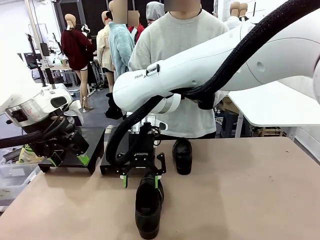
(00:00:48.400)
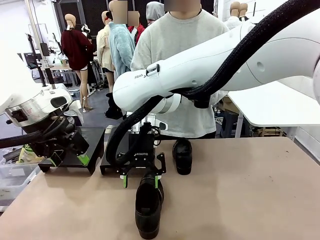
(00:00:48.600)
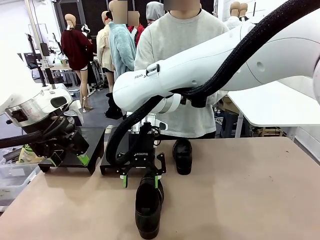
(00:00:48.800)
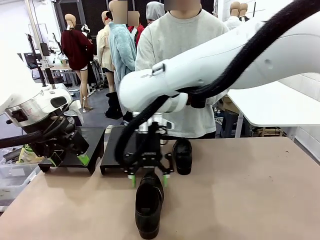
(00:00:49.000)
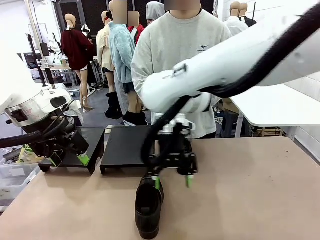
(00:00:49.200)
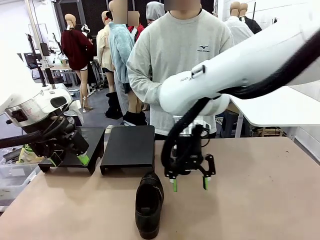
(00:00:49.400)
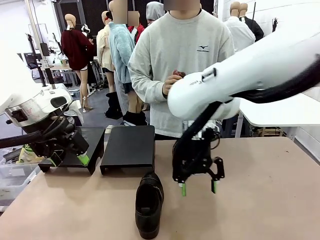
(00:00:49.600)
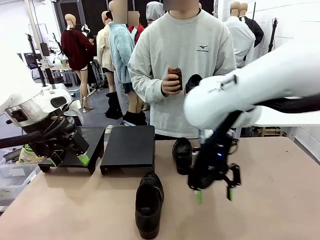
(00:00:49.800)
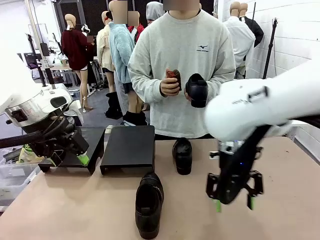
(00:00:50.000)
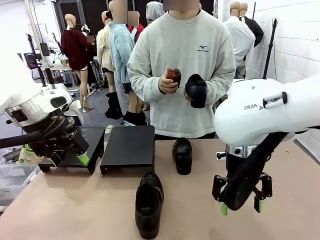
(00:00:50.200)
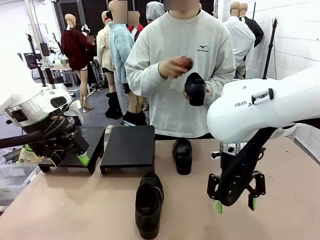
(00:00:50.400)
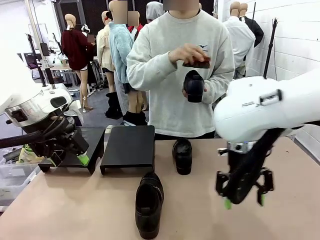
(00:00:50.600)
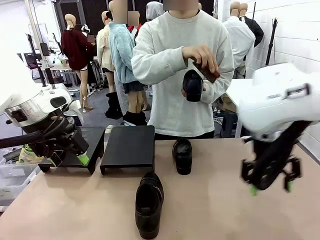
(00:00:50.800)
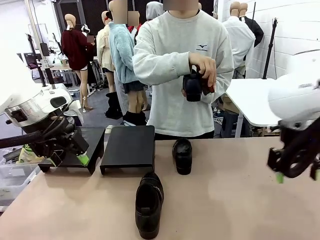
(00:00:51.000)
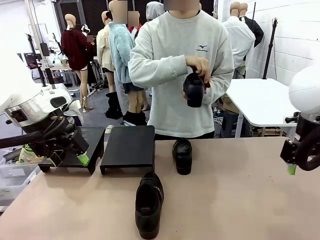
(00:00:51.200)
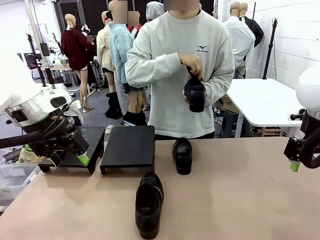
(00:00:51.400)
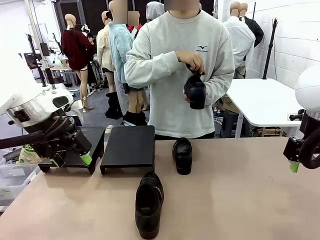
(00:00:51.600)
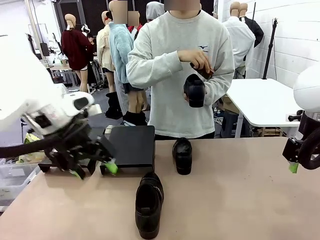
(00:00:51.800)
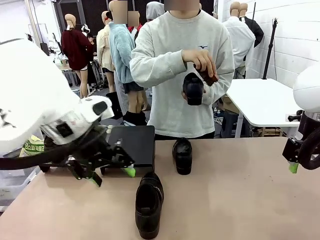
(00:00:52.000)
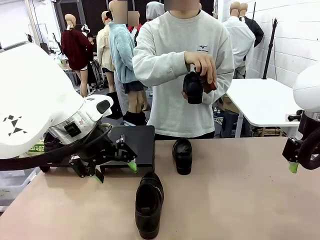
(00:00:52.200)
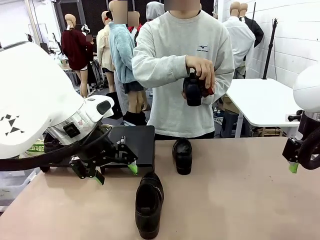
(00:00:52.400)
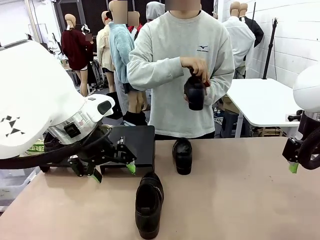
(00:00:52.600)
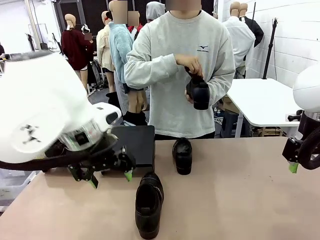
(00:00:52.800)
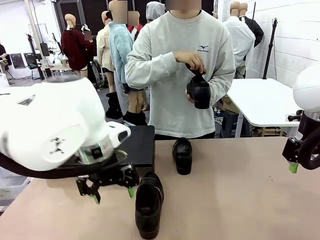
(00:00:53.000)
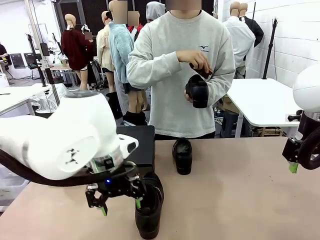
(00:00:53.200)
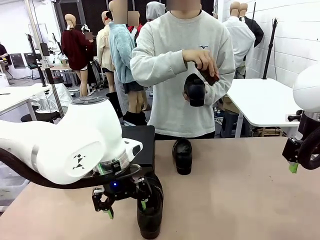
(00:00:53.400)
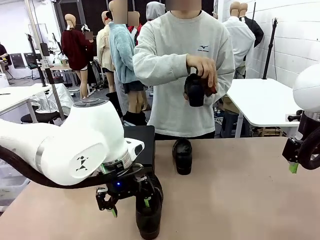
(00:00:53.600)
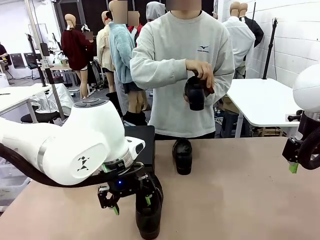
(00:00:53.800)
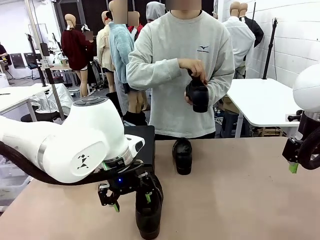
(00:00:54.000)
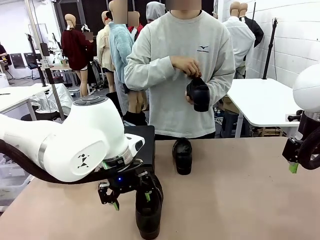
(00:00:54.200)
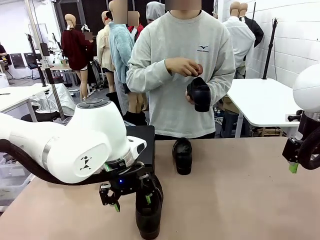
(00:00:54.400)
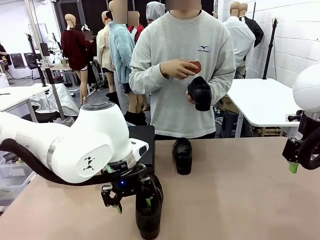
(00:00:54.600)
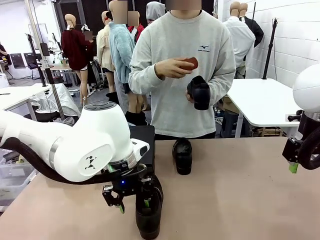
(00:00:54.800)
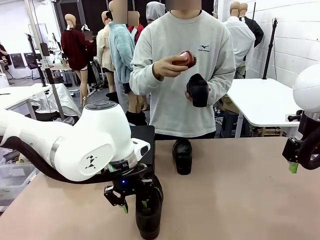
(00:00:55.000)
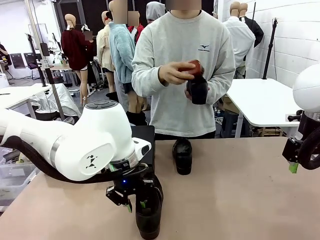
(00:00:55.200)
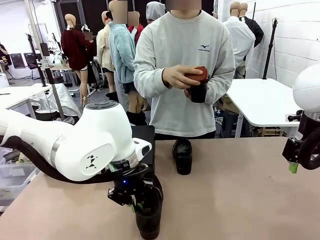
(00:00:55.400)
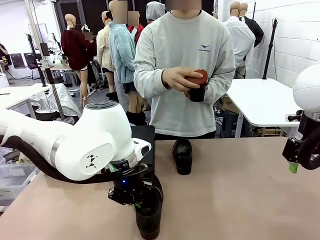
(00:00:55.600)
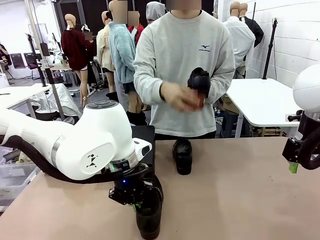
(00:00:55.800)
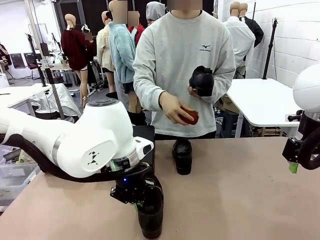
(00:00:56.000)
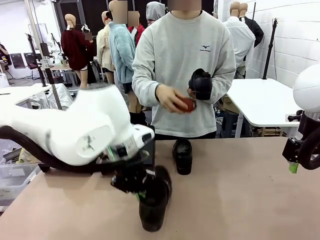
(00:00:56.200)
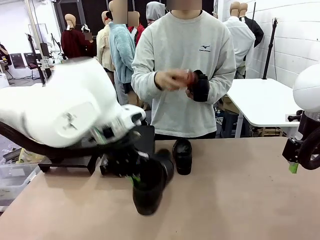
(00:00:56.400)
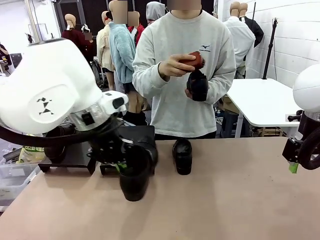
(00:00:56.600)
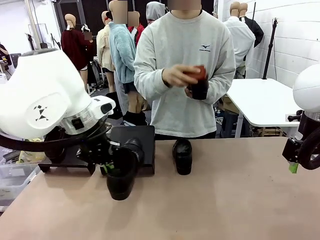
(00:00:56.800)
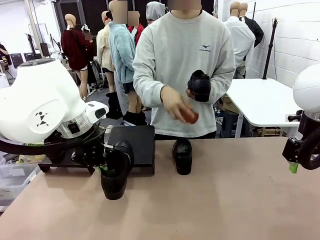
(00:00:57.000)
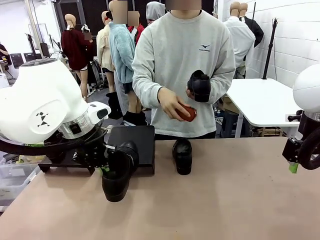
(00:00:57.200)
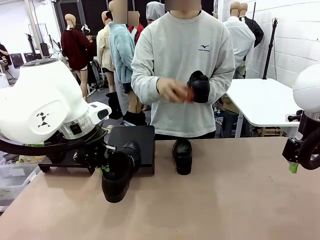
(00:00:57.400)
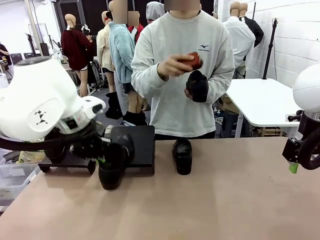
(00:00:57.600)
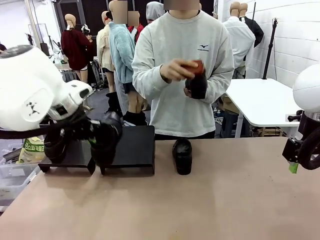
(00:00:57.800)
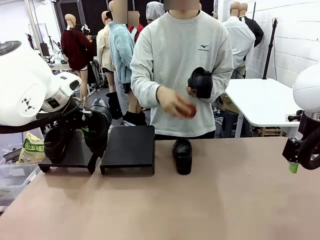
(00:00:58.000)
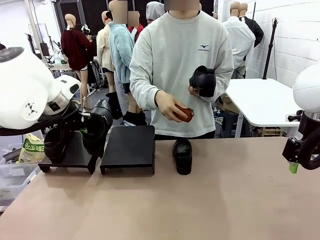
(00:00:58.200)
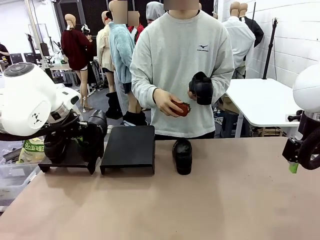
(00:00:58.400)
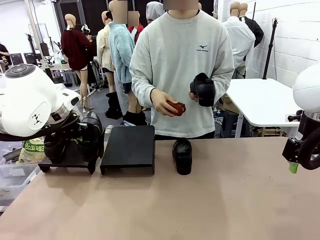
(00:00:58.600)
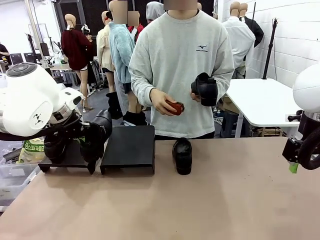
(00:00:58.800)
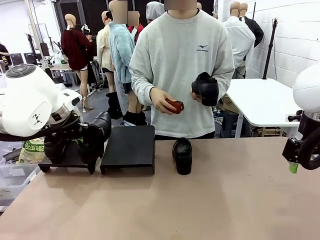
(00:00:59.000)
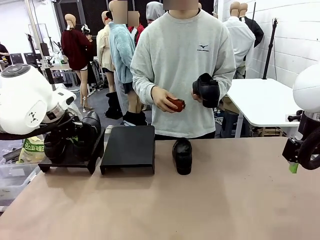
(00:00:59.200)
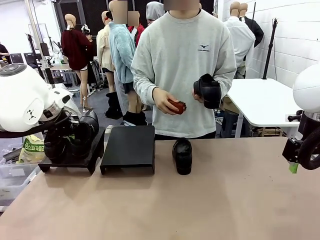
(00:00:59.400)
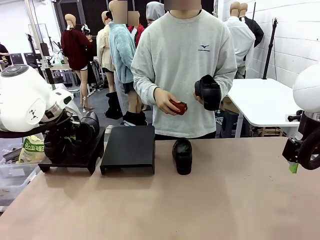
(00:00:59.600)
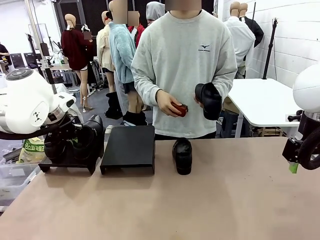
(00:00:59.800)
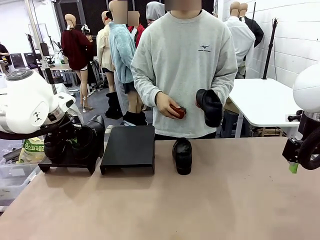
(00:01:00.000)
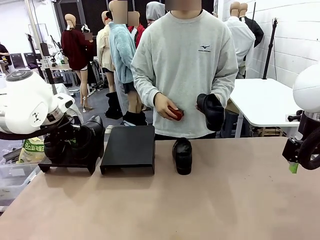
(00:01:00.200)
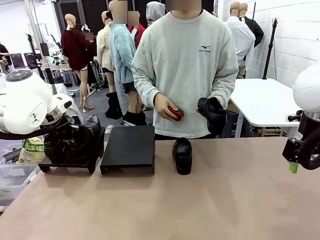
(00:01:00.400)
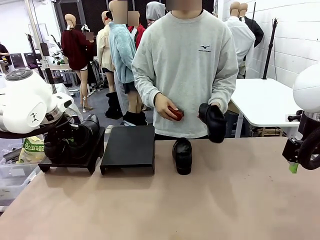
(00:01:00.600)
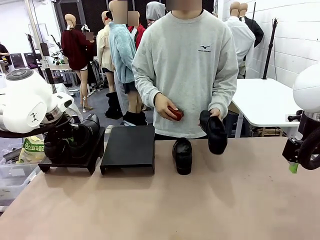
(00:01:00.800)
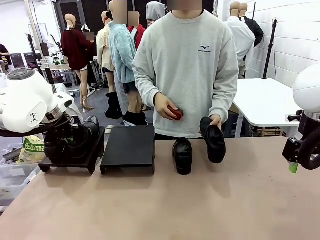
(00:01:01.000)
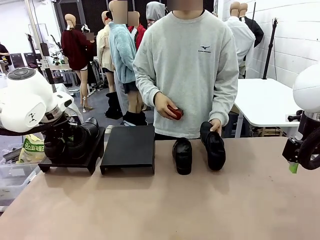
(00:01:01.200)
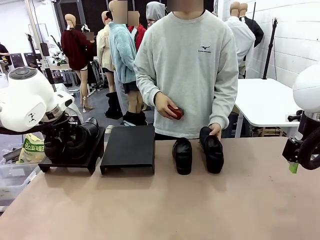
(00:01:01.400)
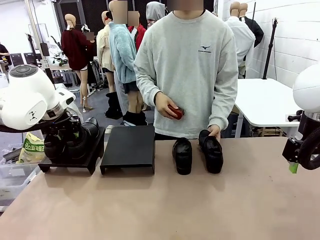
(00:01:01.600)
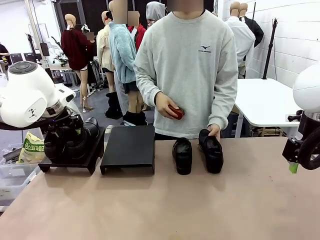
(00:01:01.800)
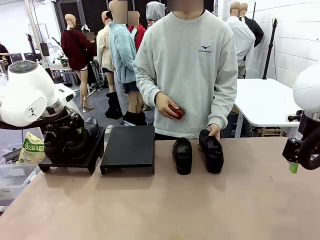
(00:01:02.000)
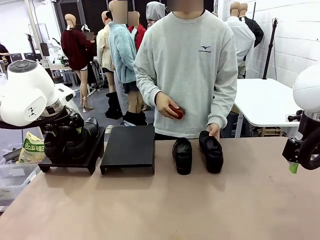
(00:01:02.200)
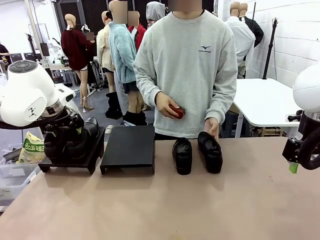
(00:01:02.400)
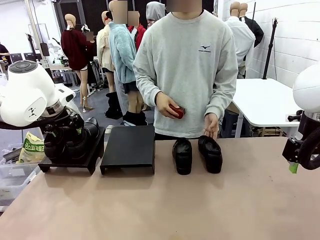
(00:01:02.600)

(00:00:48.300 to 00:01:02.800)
Task: Organize the shoes by placing them on the stand.
Robot: Place the Shoe from the middle of the table onto the Shoes Stand.
Person: Clean the Shoe with the Shoe Brush.

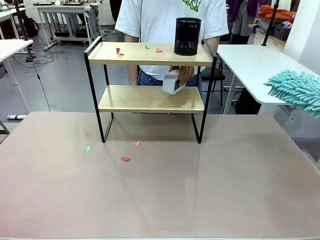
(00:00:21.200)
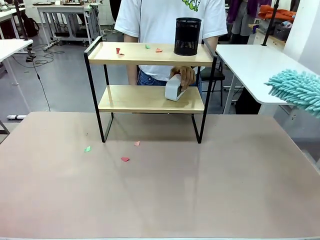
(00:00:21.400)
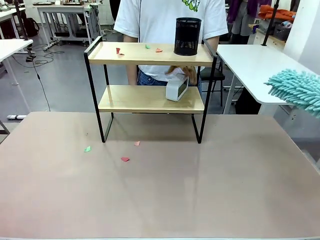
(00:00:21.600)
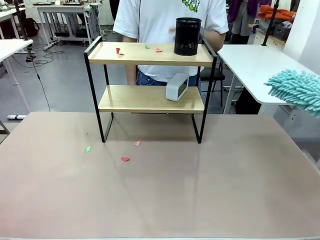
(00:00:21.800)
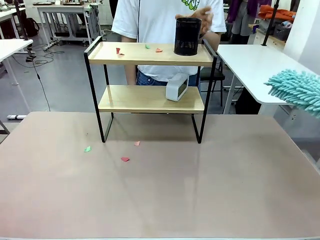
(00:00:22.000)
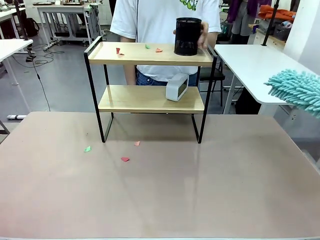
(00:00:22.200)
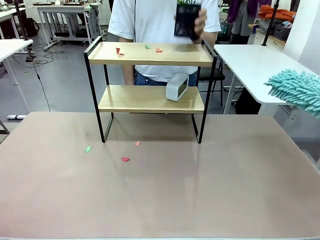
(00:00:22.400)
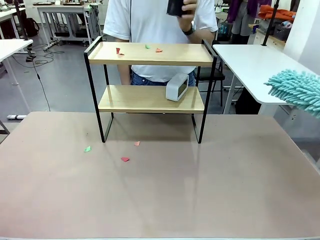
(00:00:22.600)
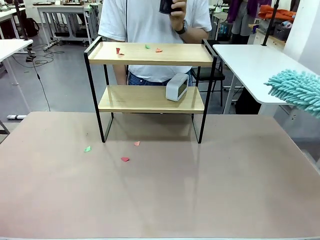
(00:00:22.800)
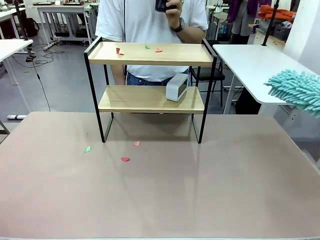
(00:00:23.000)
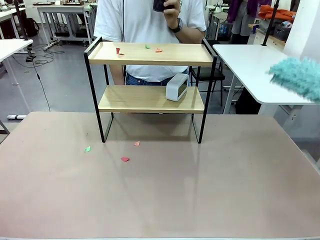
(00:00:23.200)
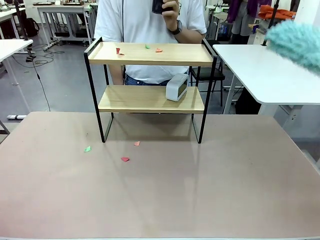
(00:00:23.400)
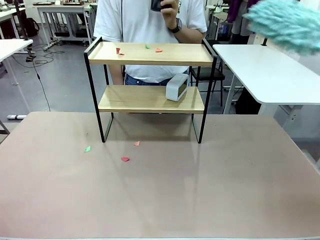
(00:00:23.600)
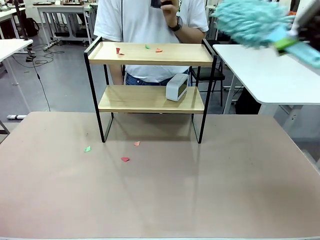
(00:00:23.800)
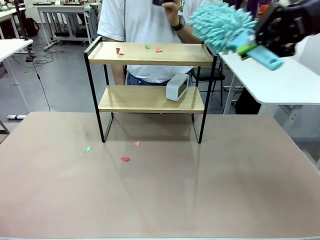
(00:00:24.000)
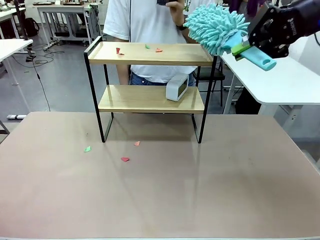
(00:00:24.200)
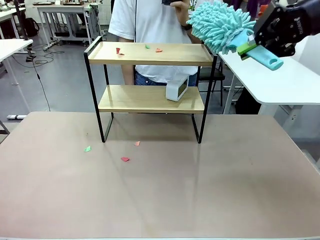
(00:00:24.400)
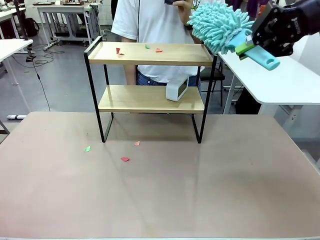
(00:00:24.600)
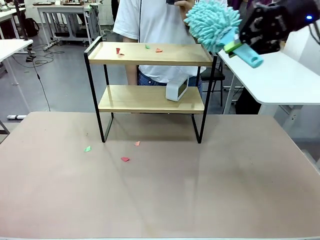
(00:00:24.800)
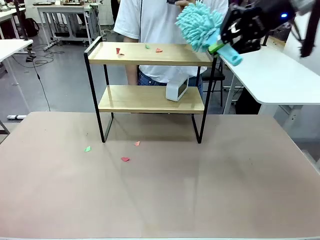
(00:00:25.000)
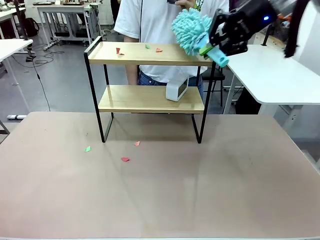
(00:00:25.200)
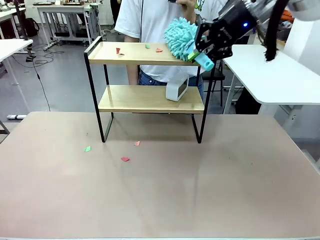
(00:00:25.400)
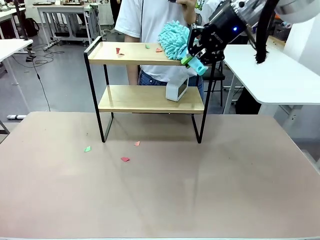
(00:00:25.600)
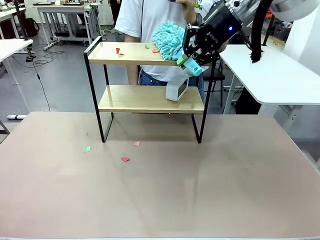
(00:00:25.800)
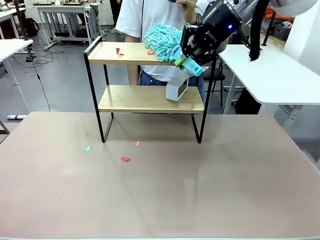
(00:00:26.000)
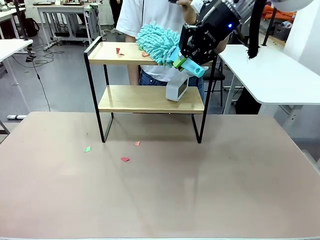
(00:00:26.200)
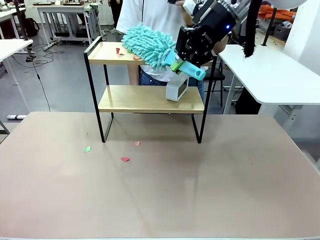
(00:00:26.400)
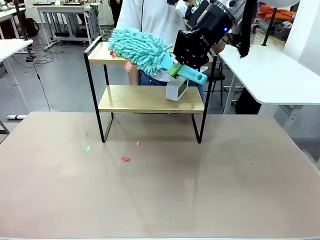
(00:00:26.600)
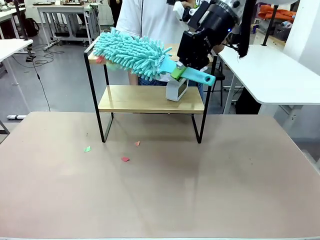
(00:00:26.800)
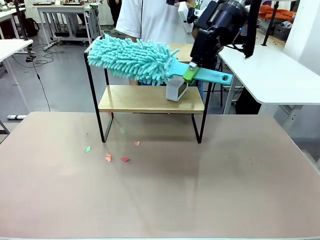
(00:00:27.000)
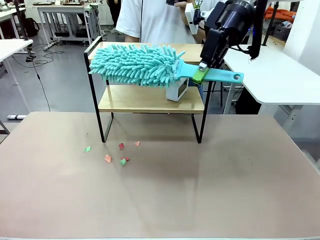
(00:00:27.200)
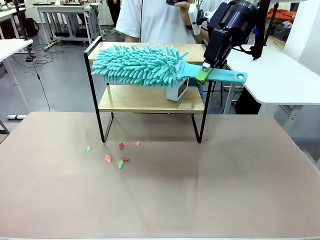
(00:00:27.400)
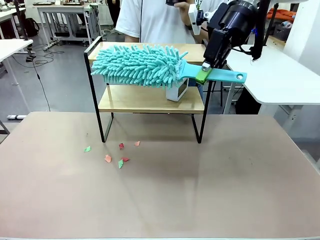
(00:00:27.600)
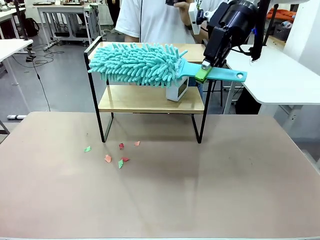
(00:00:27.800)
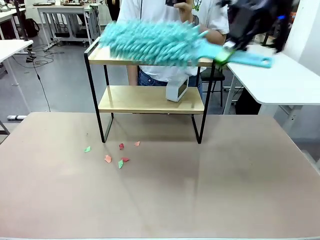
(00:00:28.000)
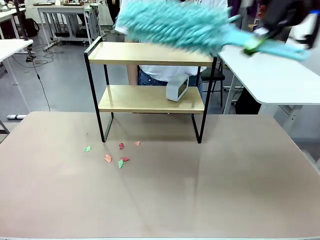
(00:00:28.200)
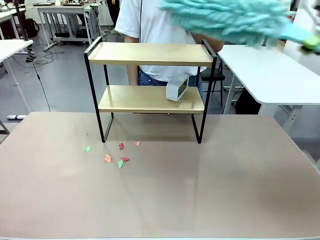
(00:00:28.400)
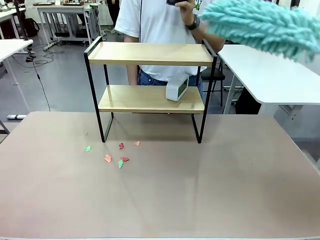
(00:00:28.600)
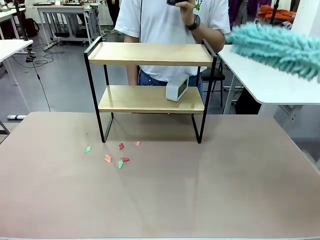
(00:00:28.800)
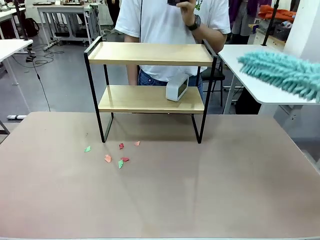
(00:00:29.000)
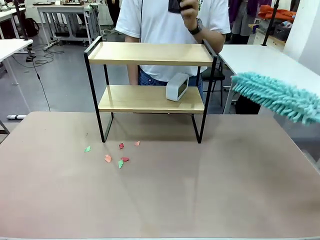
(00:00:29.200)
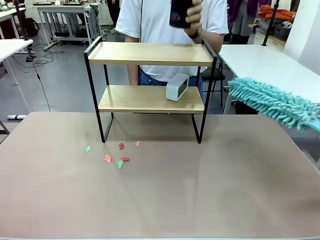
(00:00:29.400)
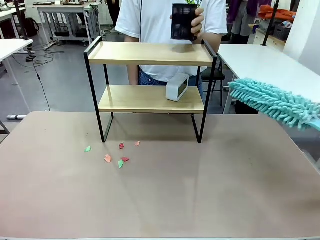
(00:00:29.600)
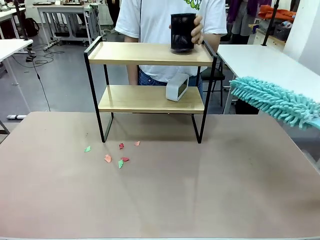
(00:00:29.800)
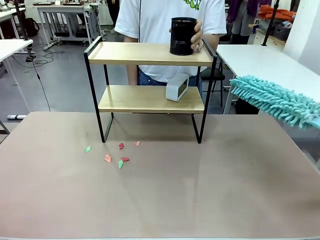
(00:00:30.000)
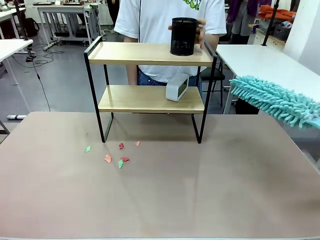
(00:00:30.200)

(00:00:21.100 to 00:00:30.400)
Task: Clean the shelf.
Robot: Clean the remaining tier of the Shelf with the Duster once objects are removed.
